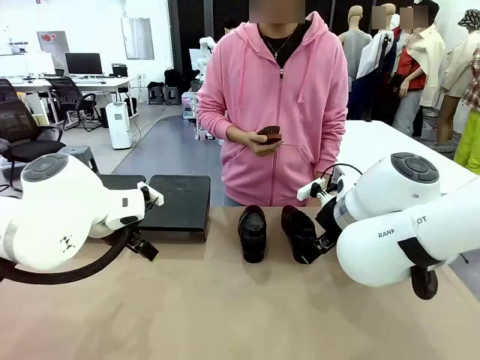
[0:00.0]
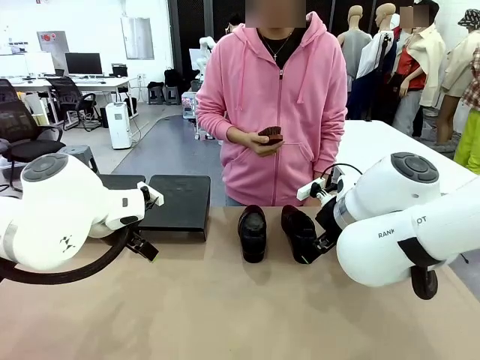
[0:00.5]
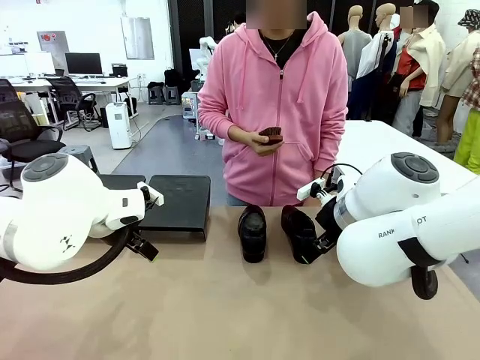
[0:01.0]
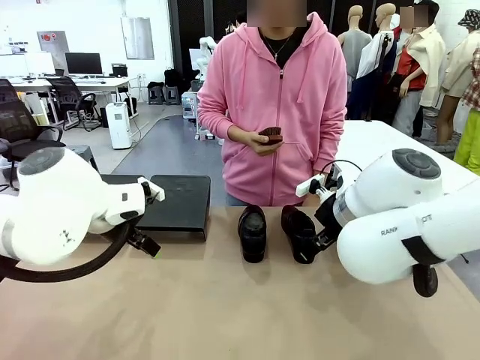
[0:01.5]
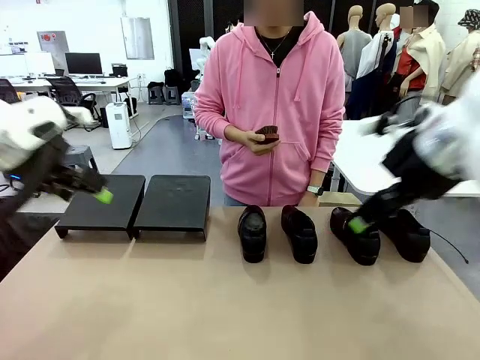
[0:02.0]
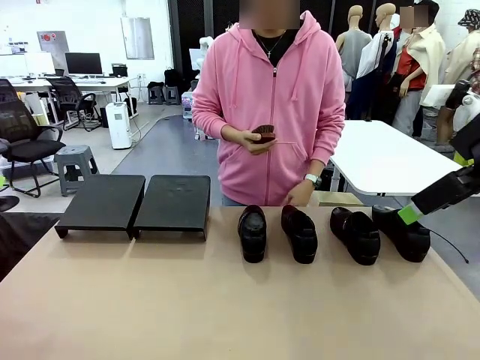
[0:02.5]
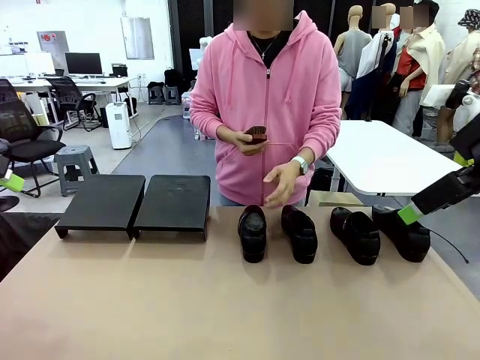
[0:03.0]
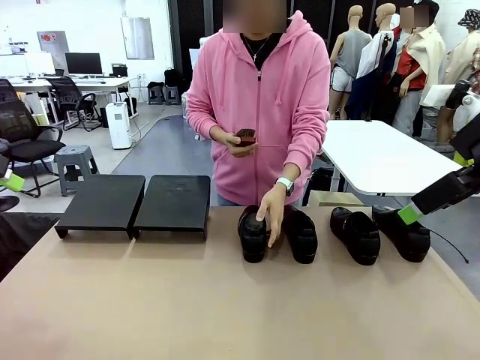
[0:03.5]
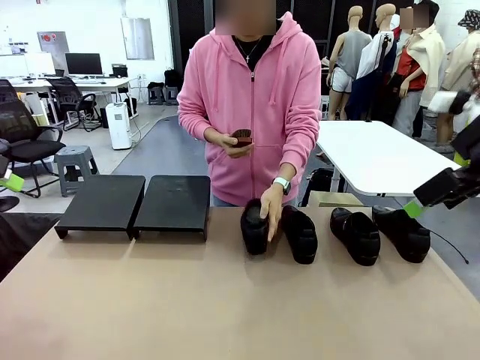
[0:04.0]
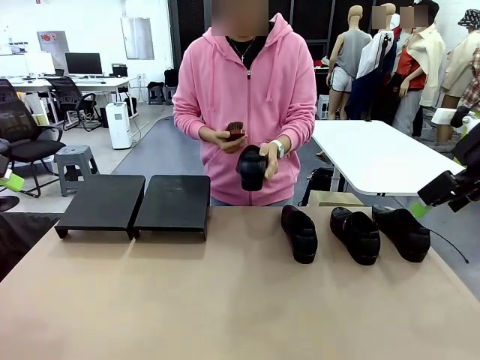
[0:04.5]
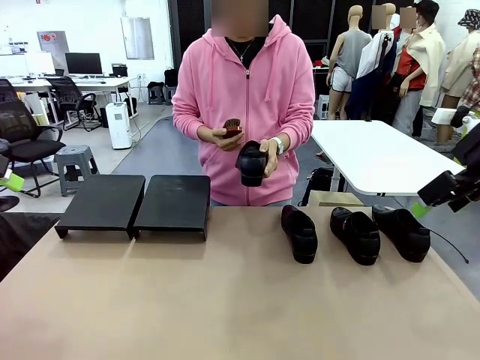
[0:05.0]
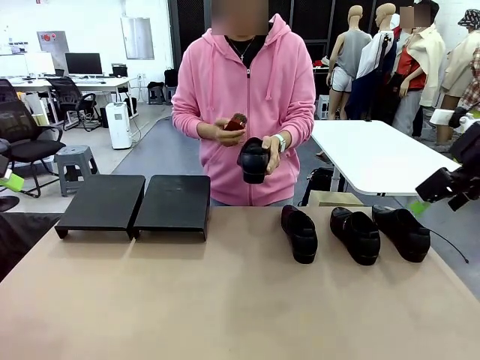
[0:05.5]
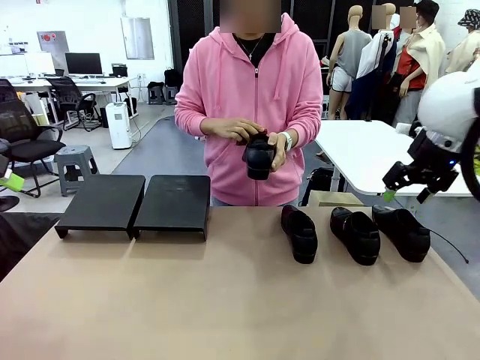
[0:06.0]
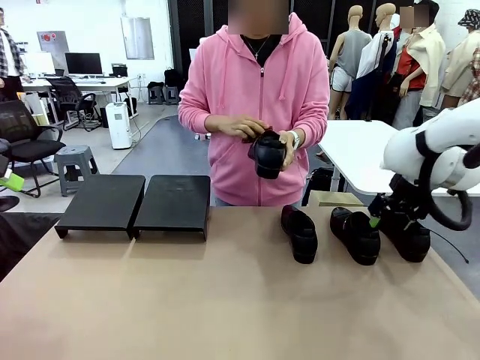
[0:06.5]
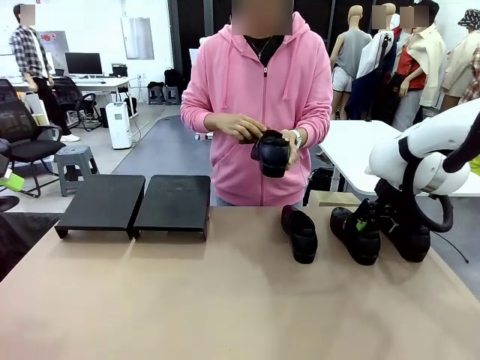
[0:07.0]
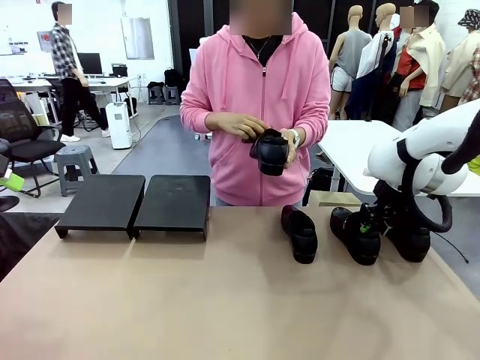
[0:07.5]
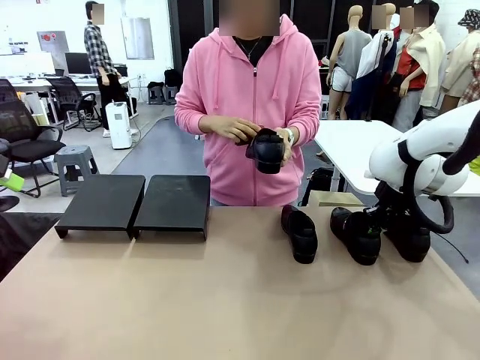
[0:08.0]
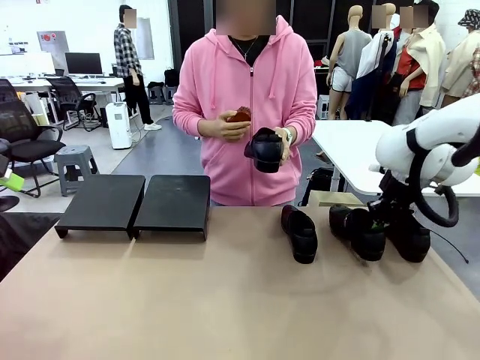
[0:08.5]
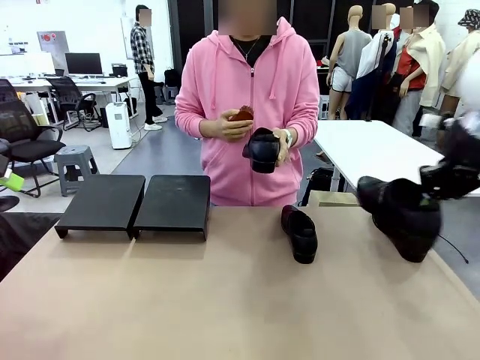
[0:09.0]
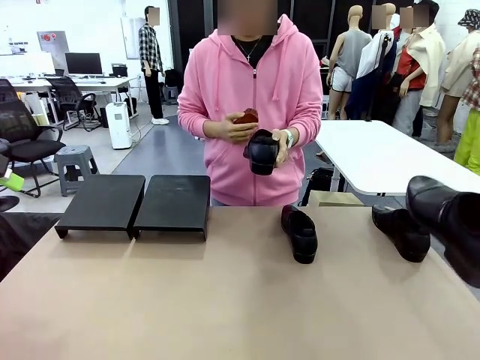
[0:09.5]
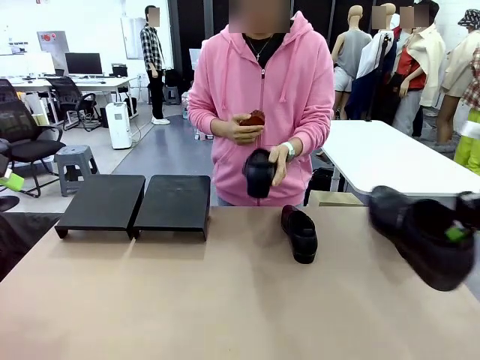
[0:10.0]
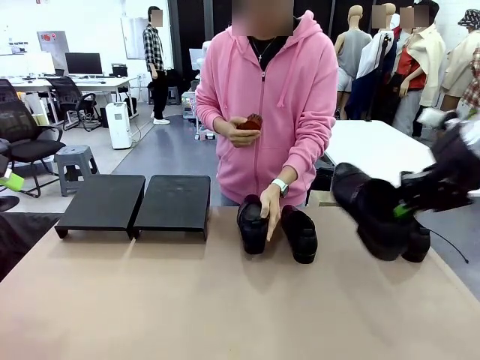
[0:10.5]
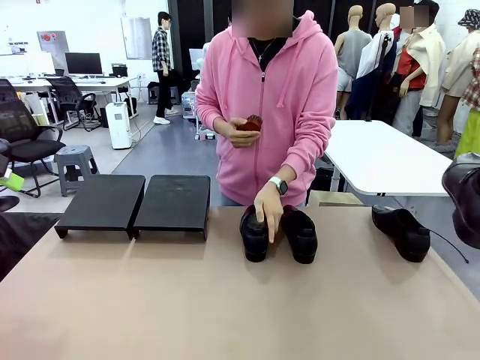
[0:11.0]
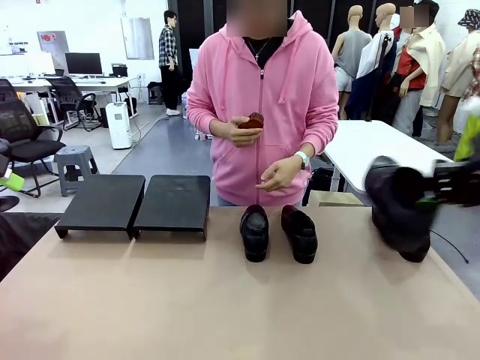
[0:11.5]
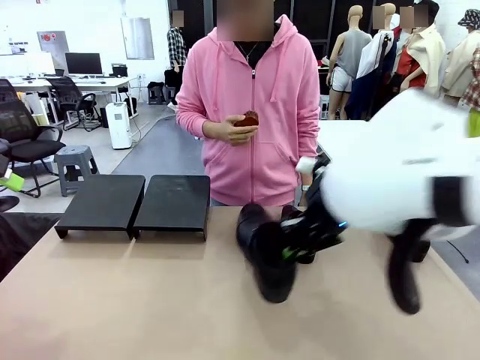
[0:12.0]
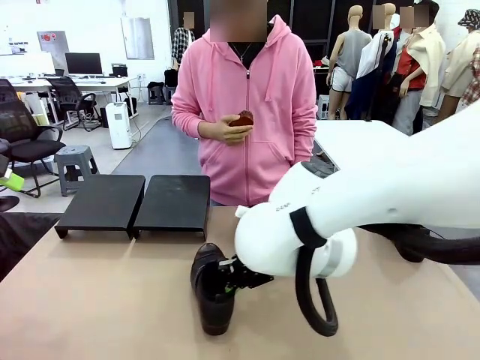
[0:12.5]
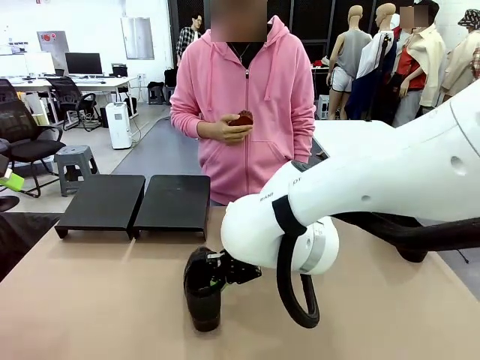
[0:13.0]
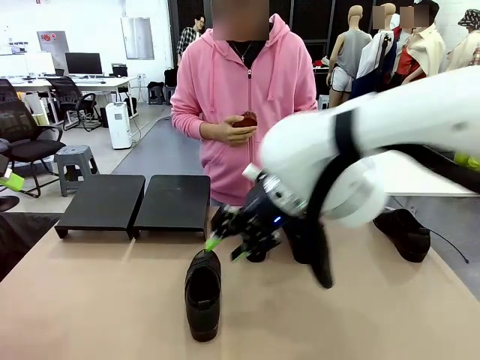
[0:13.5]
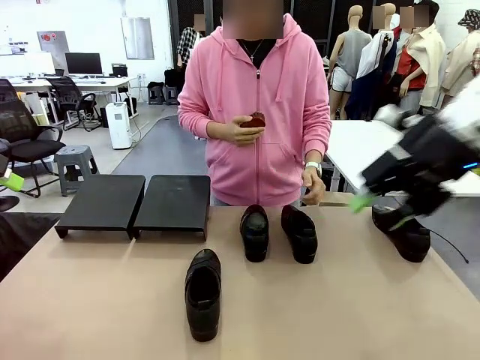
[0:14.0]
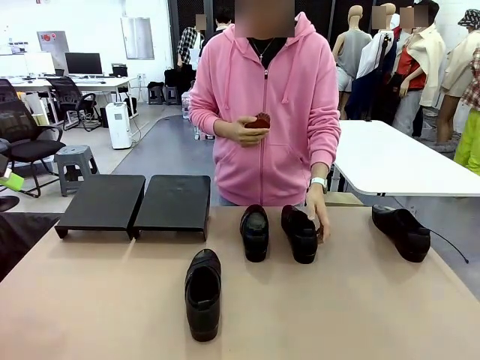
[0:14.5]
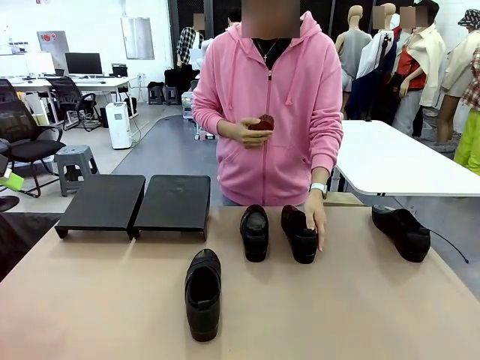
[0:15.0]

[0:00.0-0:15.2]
Task: Organize the shoes by placing them on the stand.
Robot: Pick up one Shoe and place it in the middle of the table.
Person: Pick one Shoe on Robot's table. Clean the Shoe with the Shoe Brush. Place the Shoe on left side of the Robot's table. Pick one Shoe on Robot's table.

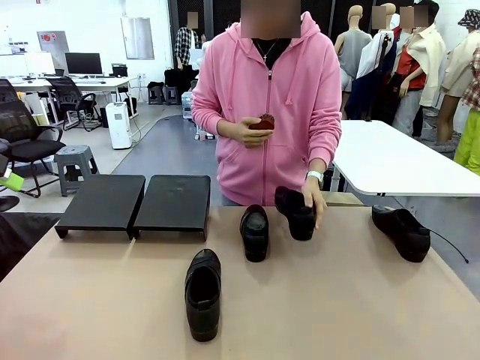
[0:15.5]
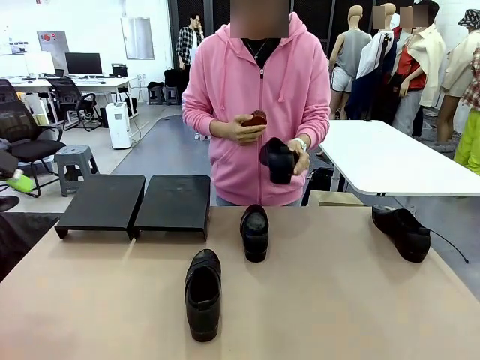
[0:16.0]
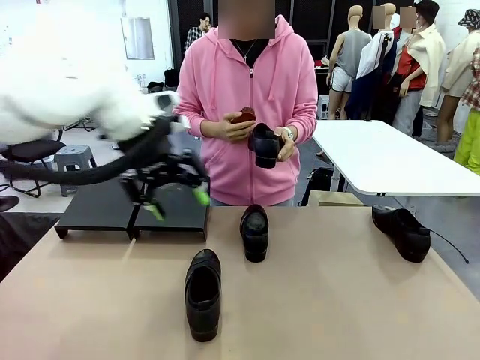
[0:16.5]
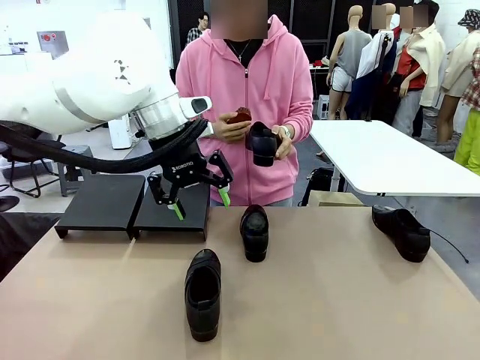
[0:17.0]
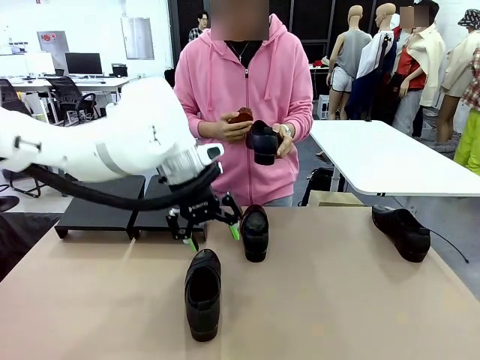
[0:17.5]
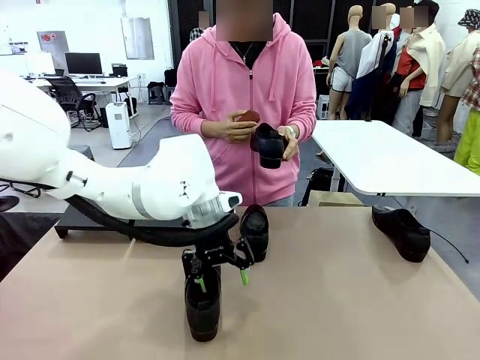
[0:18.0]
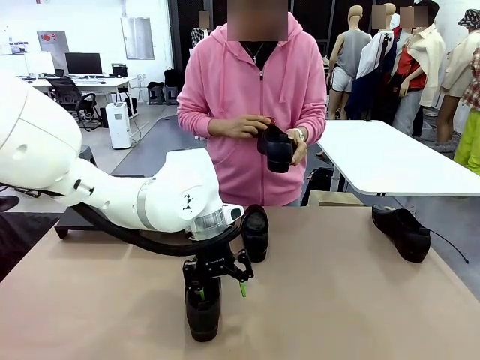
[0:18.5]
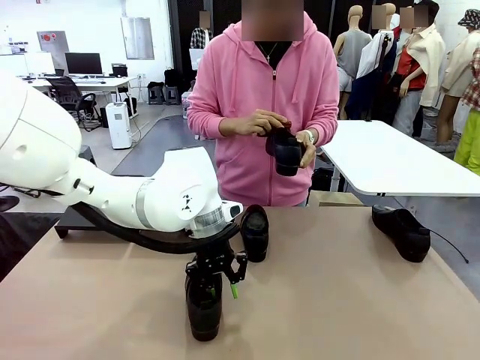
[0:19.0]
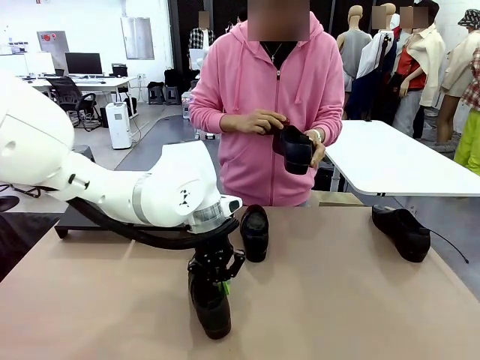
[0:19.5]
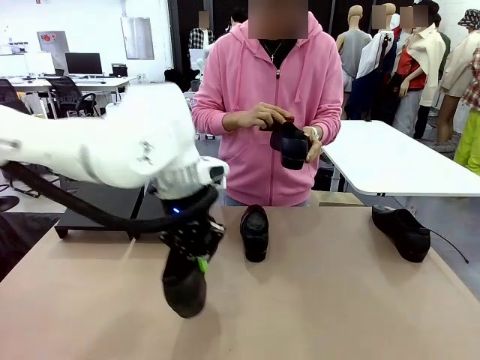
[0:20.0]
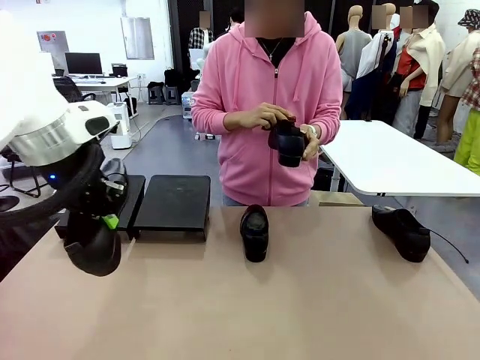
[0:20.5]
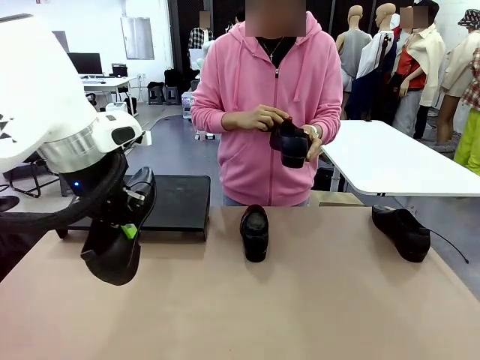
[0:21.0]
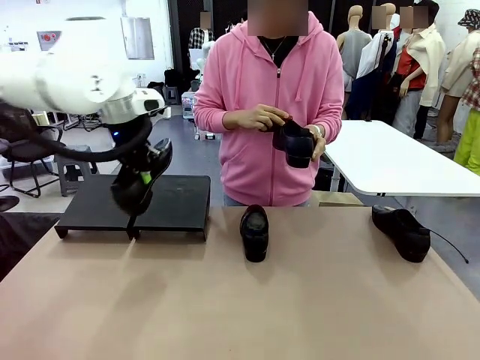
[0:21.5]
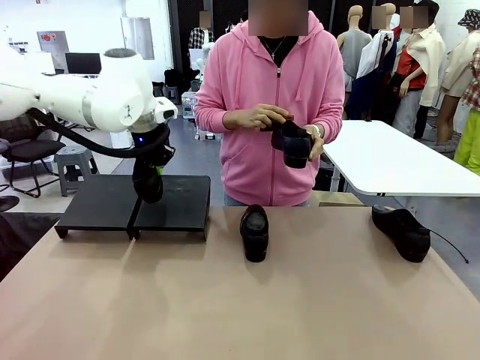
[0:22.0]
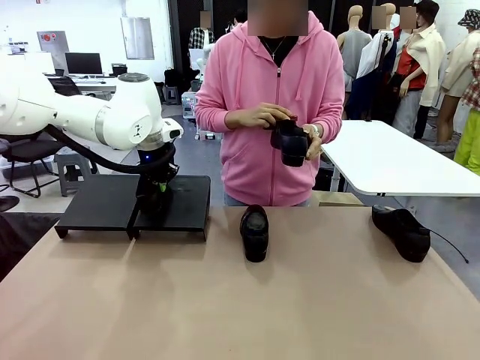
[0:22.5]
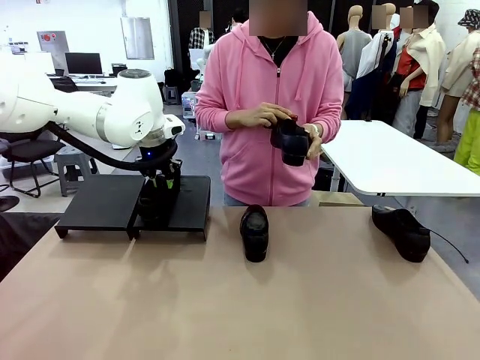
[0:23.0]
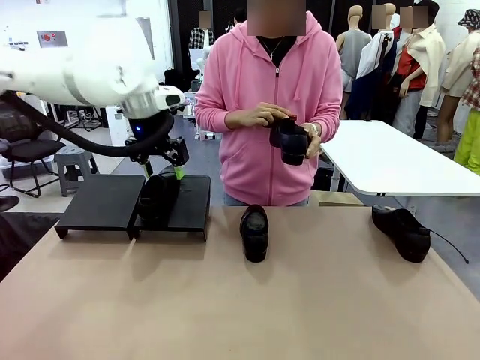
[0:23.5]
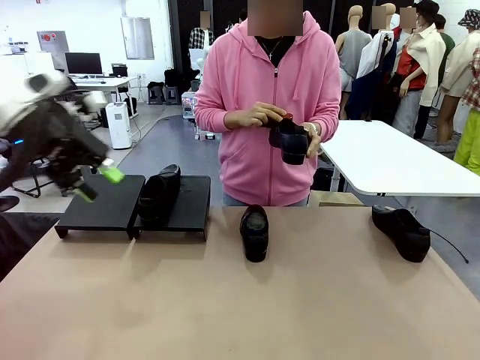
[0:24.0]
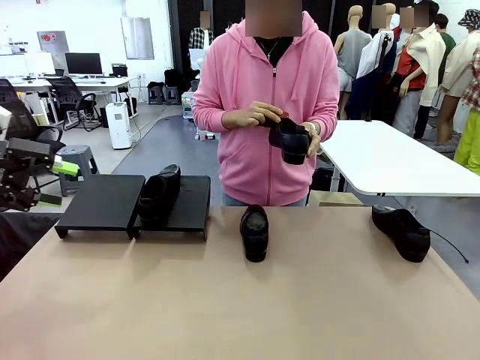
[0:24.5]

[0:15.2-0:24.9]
Robot: Place the Shoe from the middle of the table onto the Shoes Stand.
Person: Clean the Shoe with the Shoe Brush.
